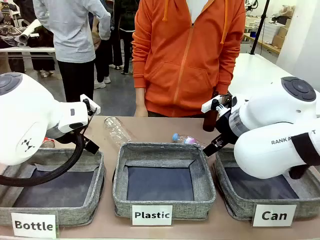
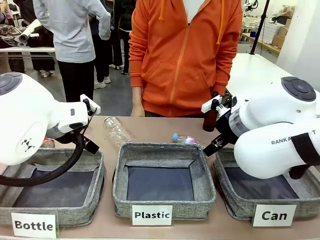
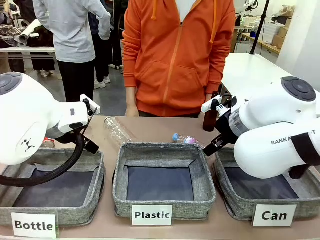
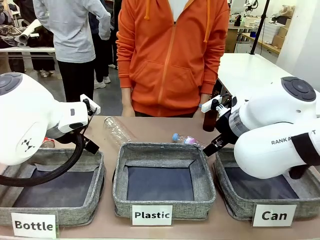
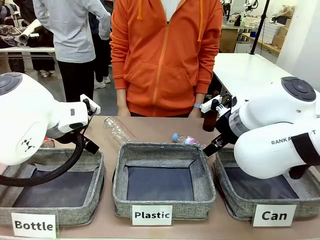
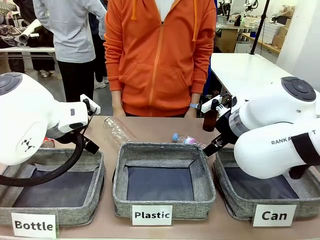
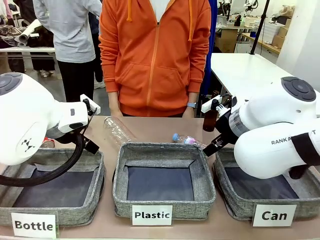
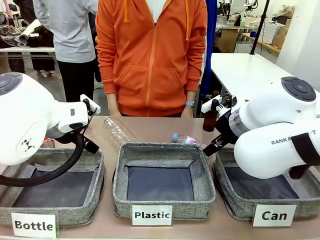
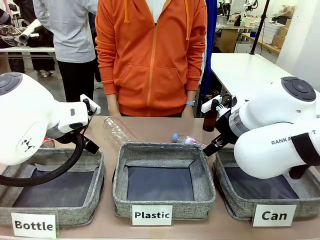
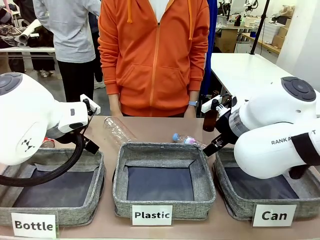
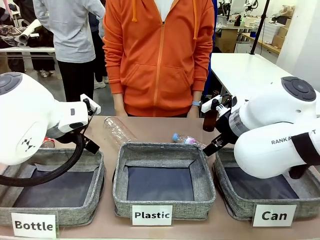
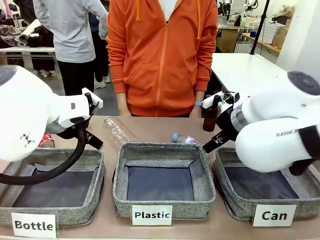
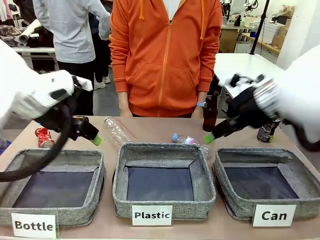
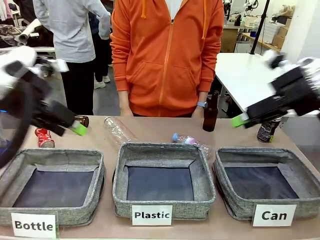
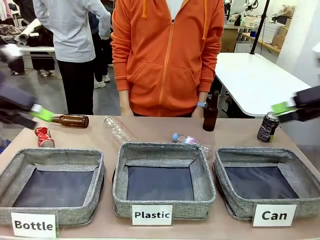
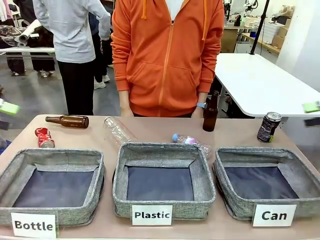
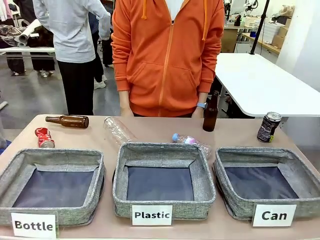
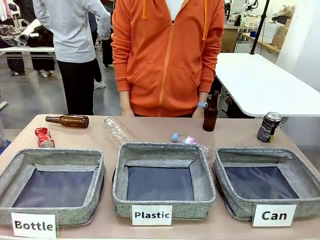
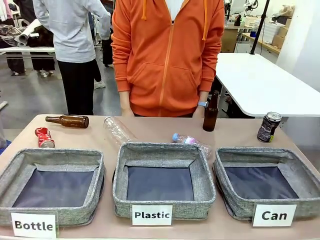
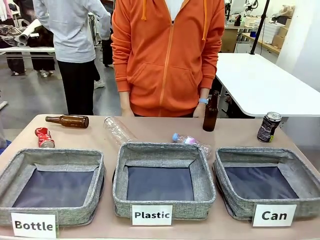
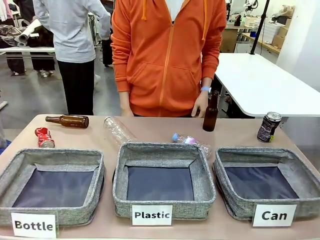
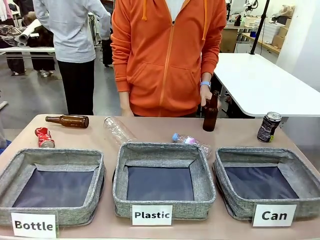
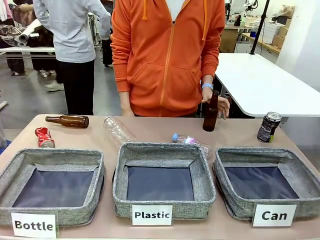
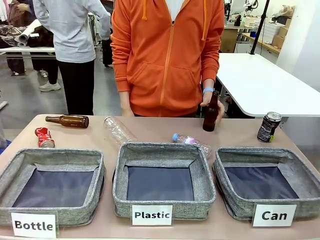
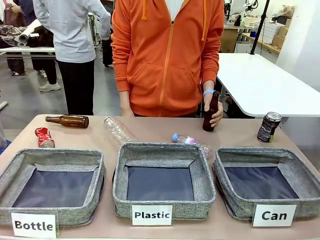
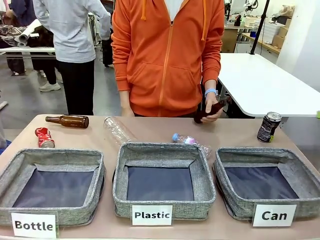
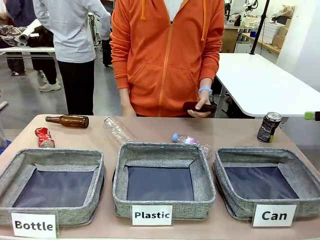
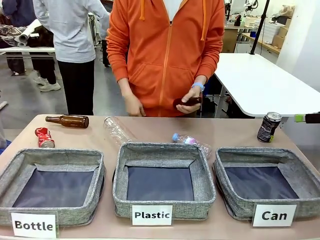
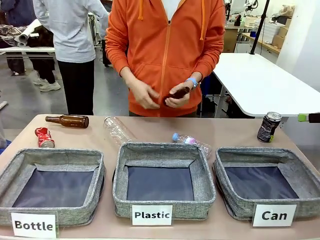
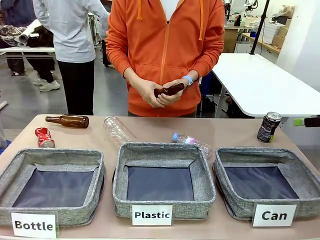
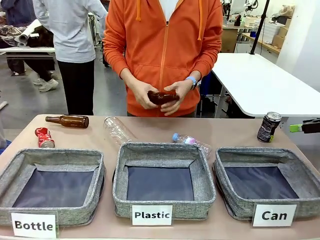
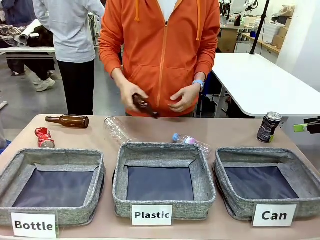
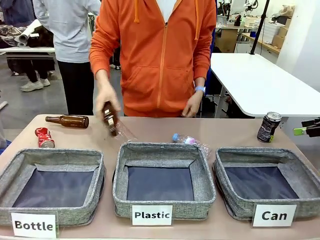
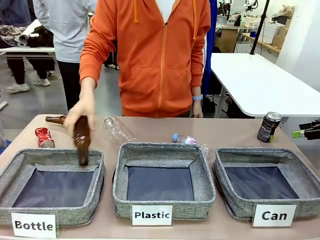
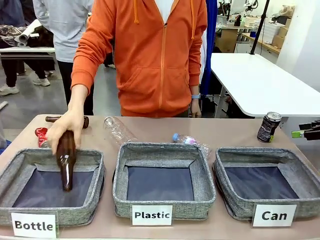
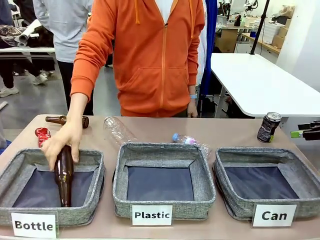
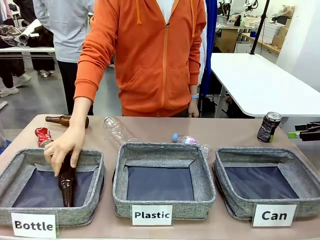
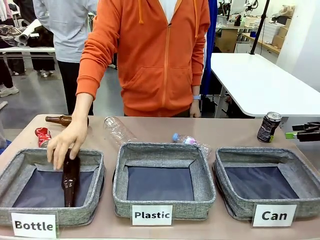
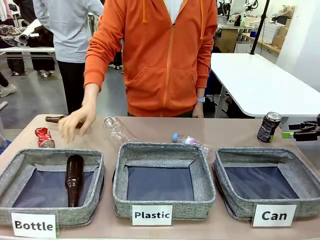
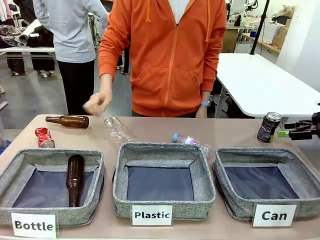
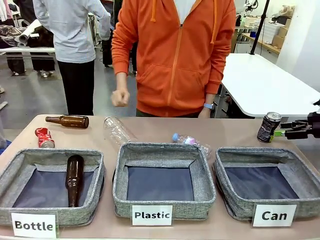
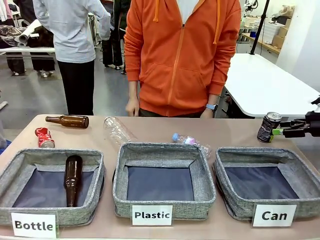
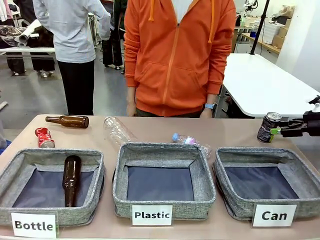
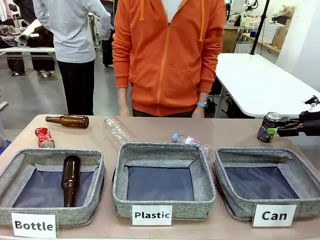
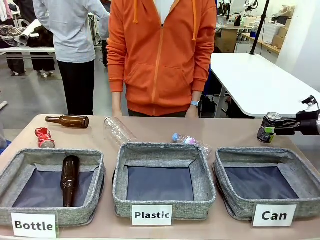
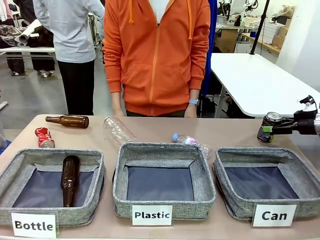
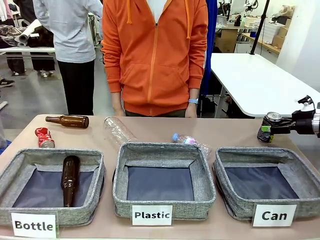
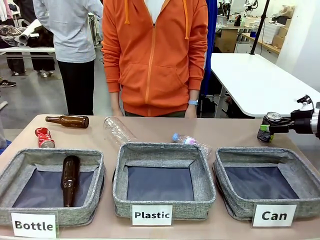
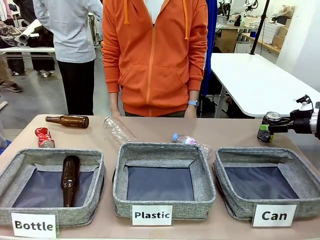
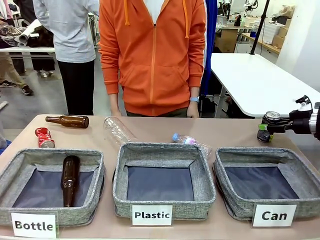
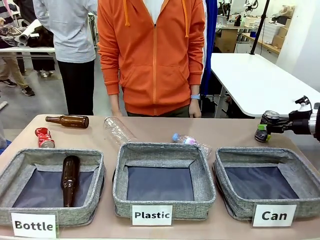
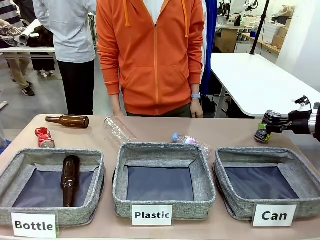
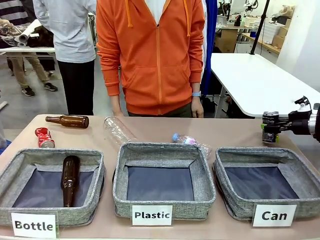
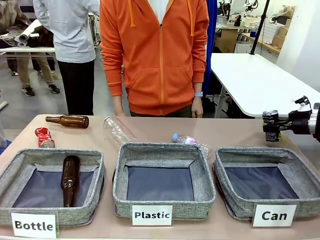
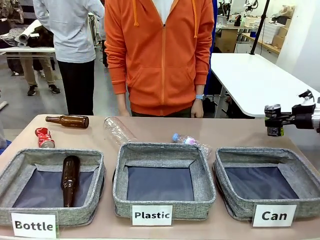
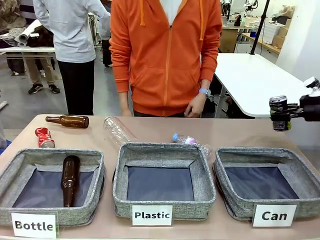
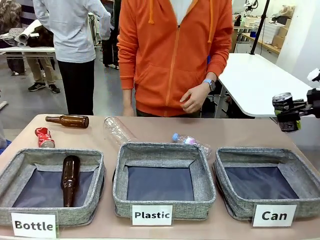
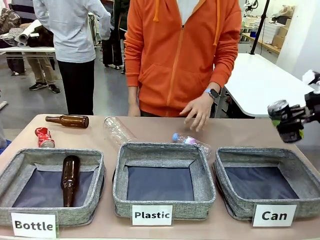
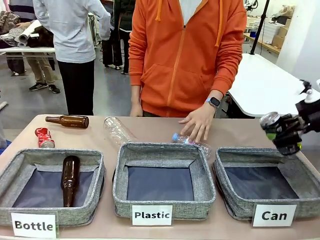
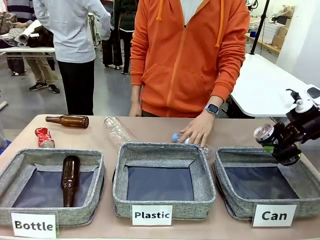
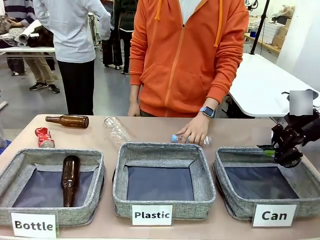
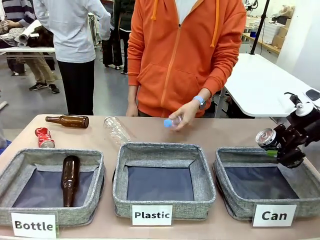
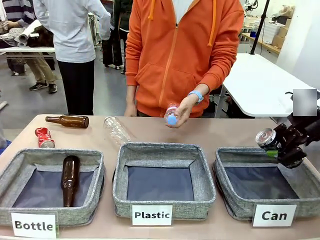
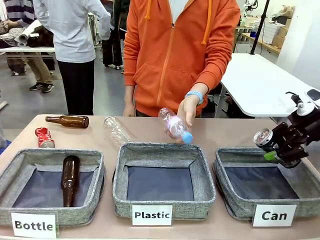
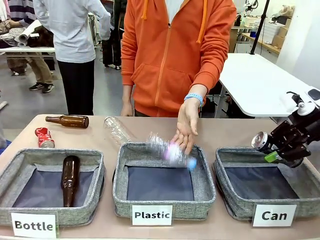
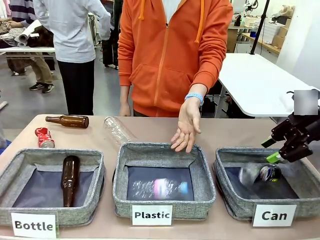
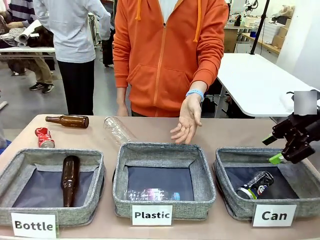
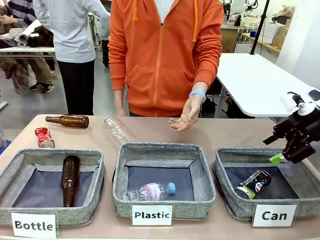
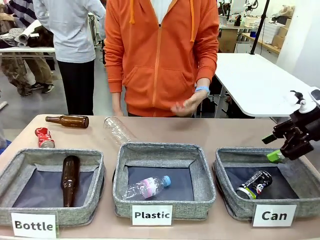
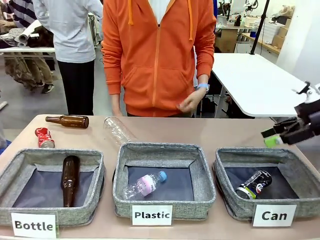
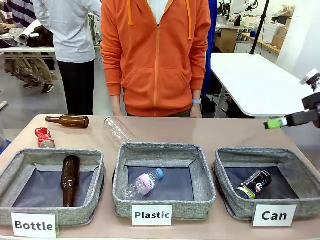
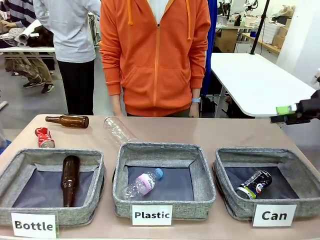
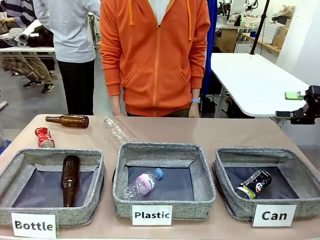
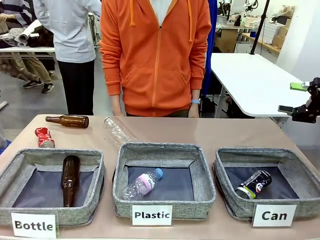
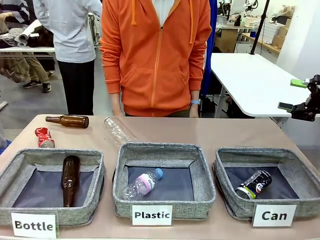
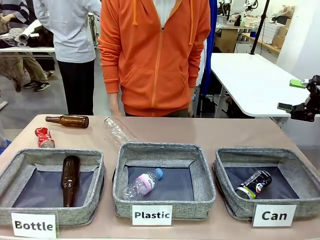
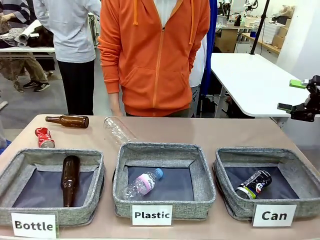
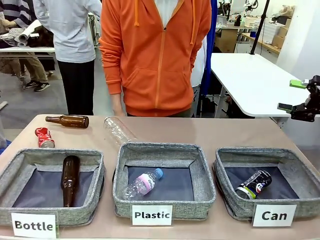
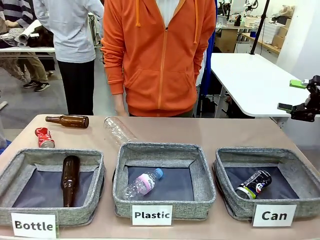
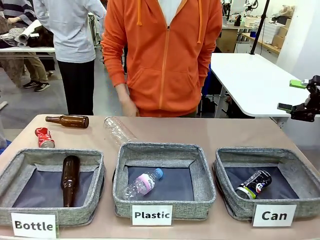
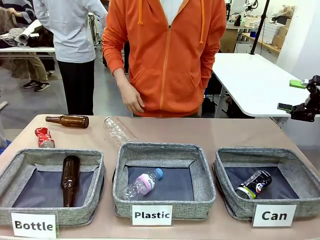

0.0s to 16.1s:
Task: Sort the can waste into the basket.
Robot: Pick up the can waste from the table and place it in the right Fabric basket.
